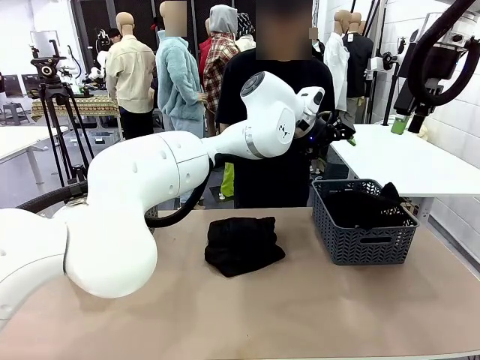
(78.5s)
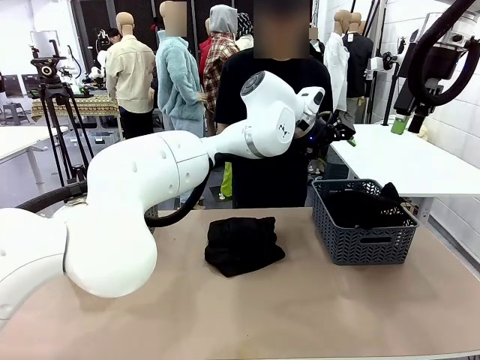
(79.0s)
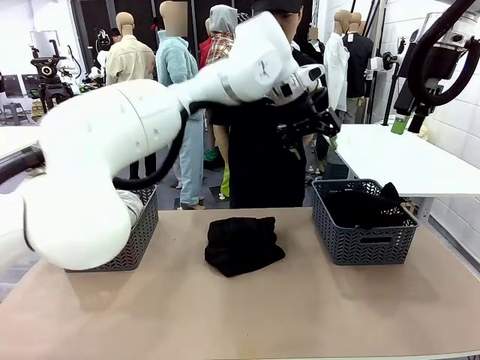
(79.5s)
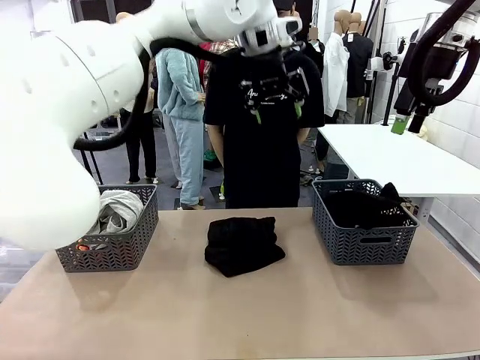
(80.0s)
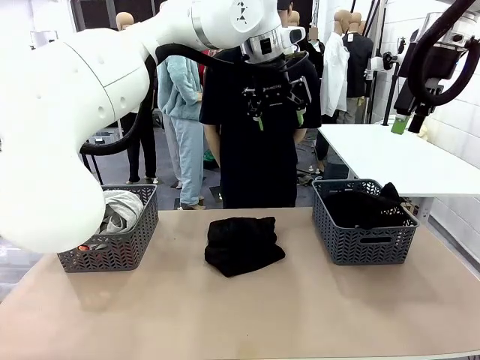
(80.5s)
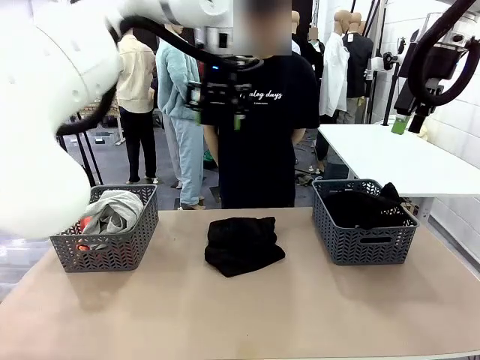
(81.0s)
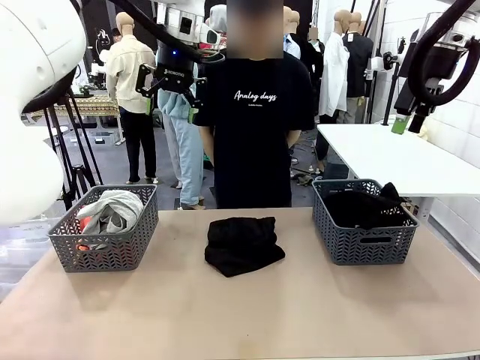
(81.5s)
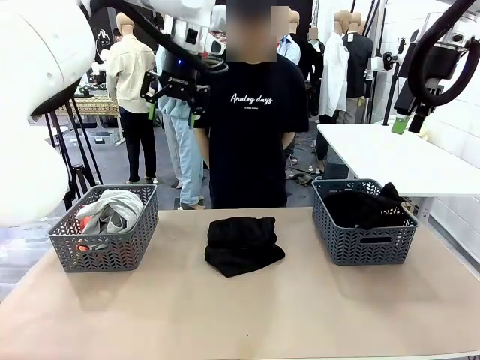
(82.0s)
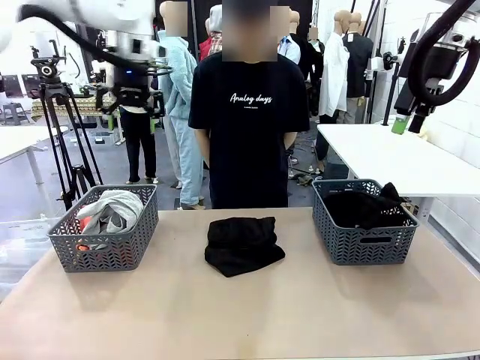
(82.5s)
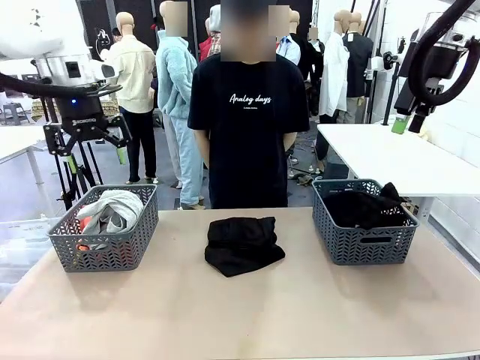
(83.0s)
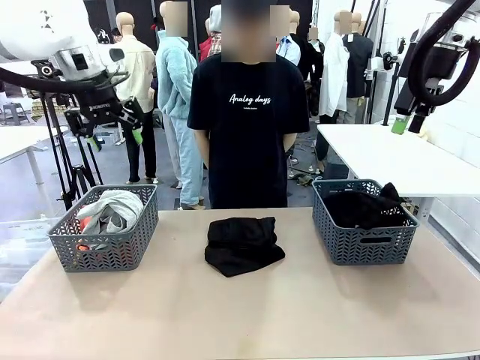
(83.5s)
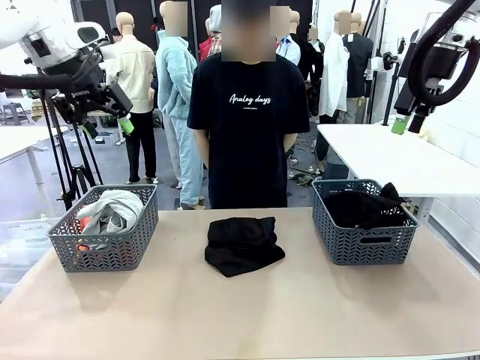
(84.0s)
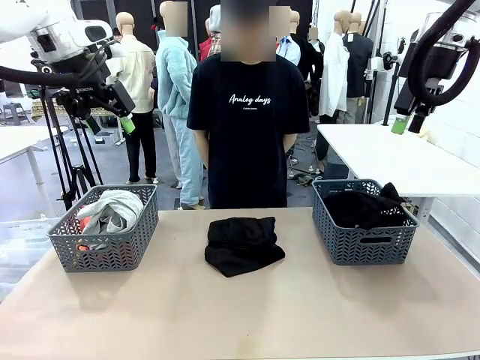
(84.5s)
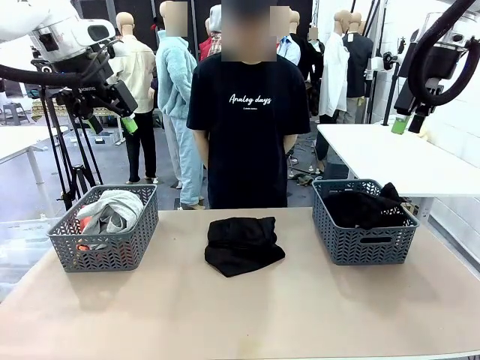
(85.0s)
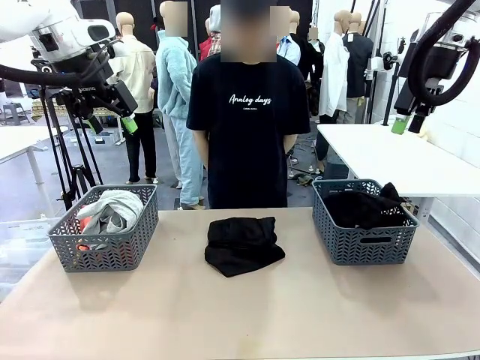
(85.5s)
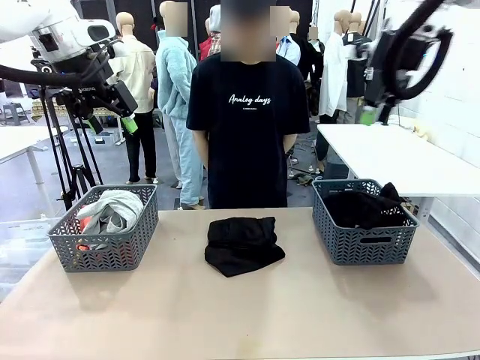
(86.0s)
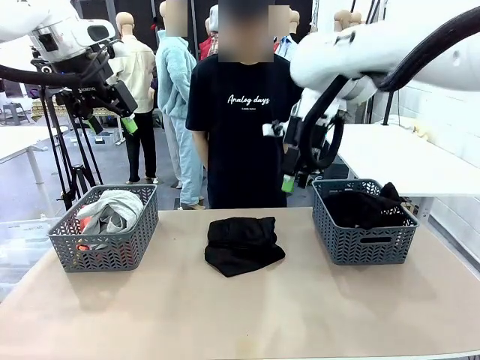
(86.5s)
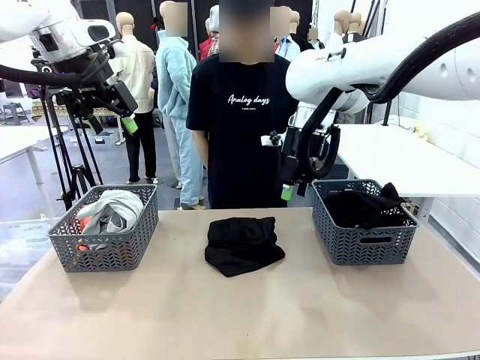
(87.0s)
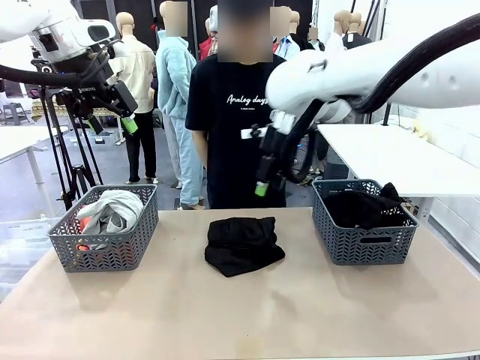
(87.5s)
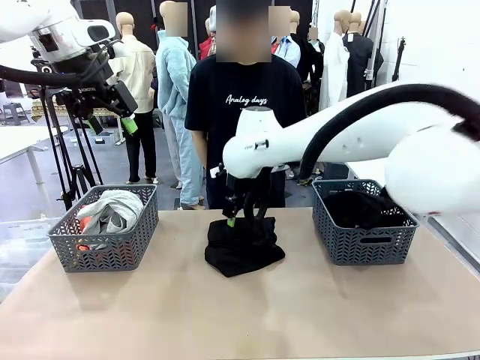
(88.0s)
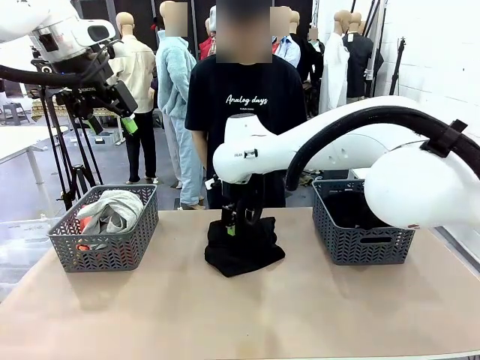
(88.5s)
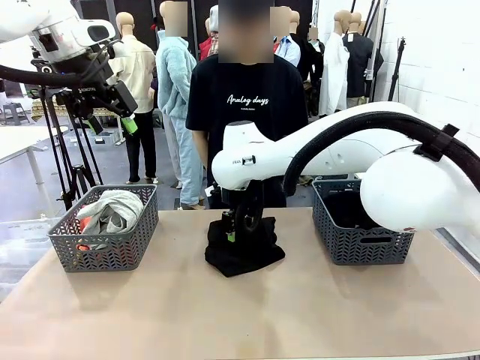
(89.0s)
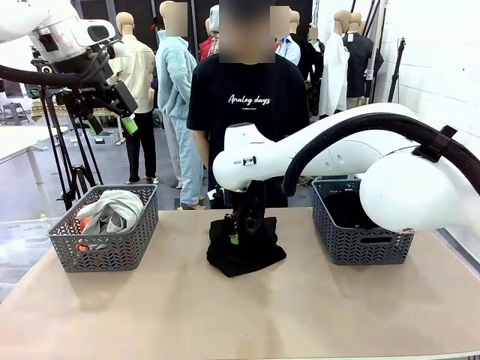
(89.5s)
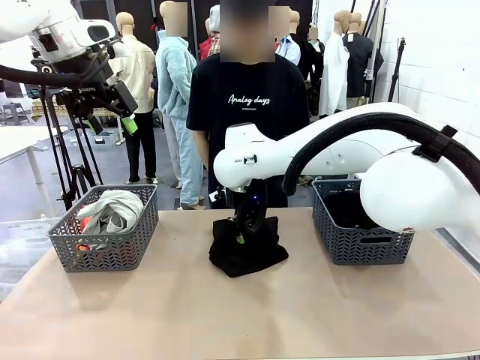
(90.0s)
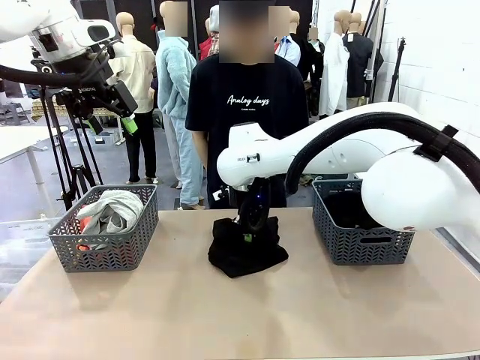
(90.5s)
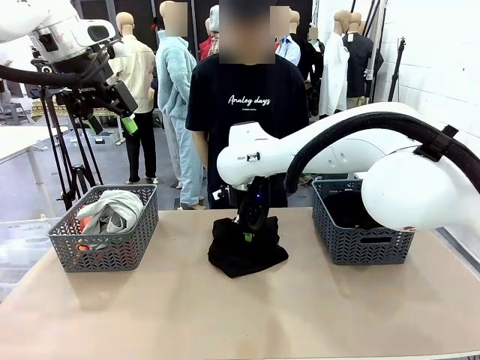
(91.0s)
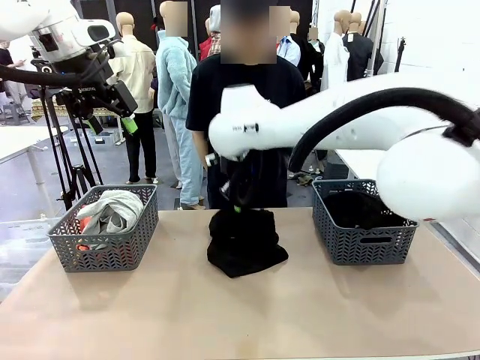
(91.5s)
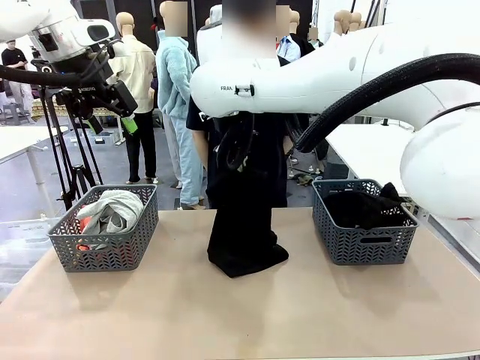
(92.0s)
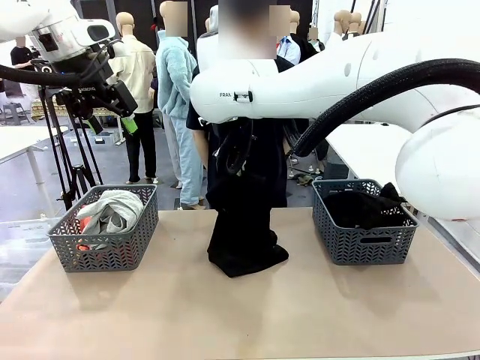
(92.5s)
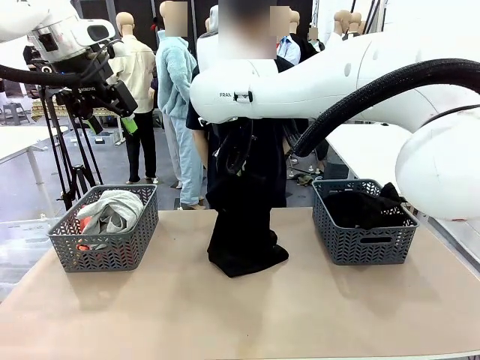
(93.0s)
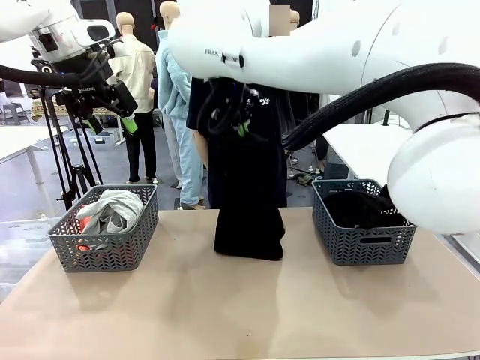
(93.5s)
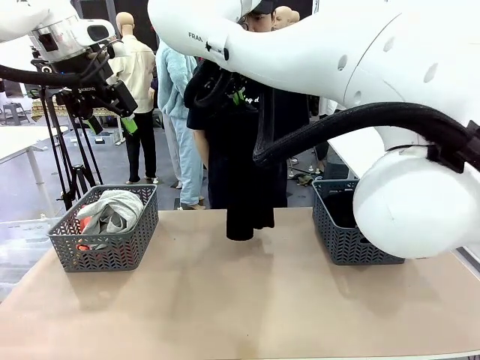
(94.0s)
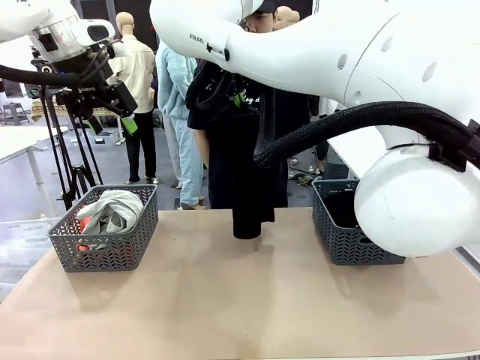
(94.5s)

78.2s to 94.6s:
Task: Sort the tops and bottoms.
Robot: Lift clothes from the center of the table with your right hand.

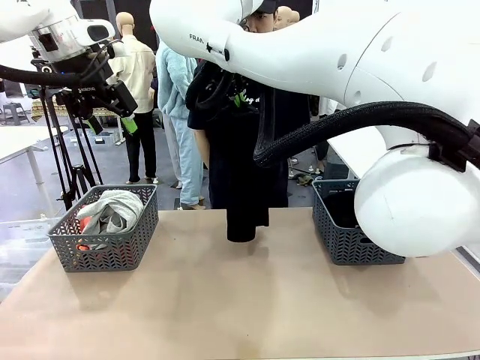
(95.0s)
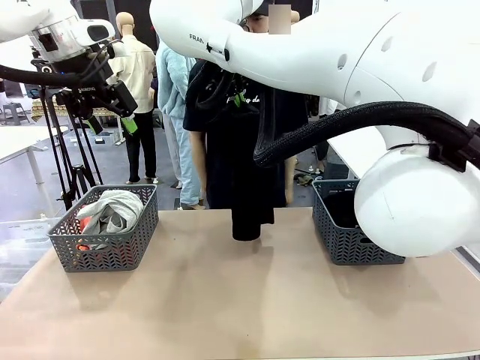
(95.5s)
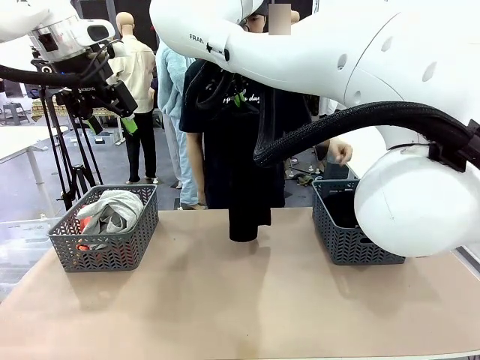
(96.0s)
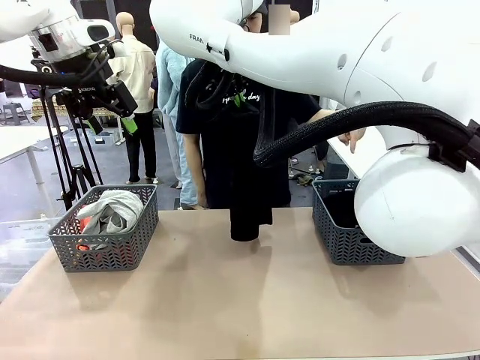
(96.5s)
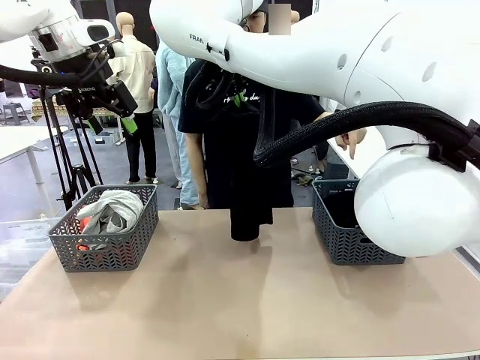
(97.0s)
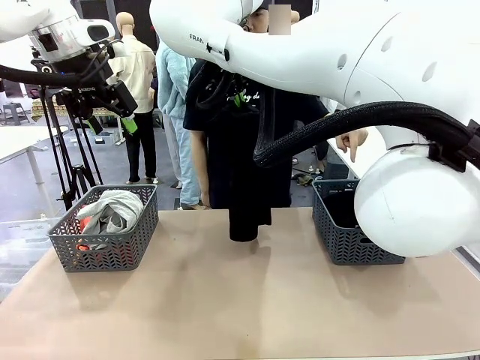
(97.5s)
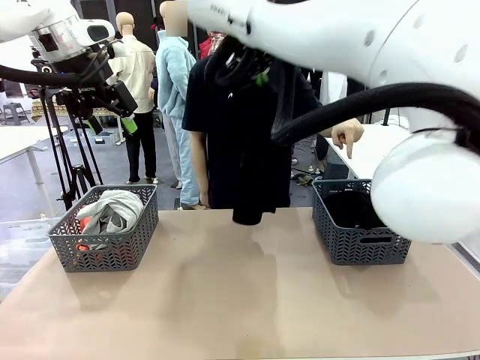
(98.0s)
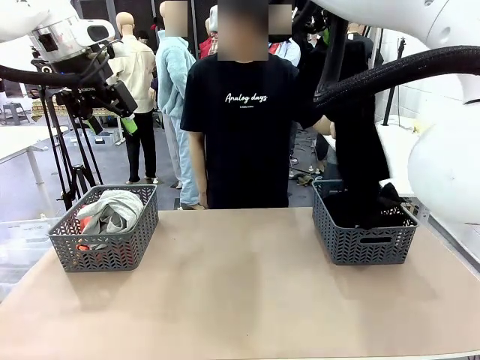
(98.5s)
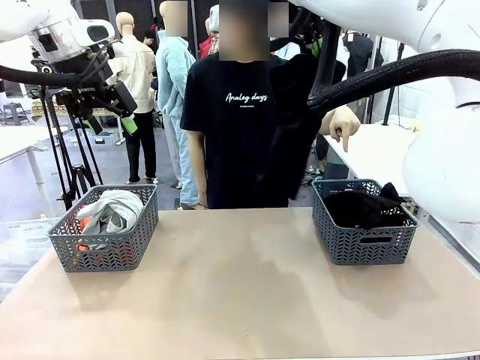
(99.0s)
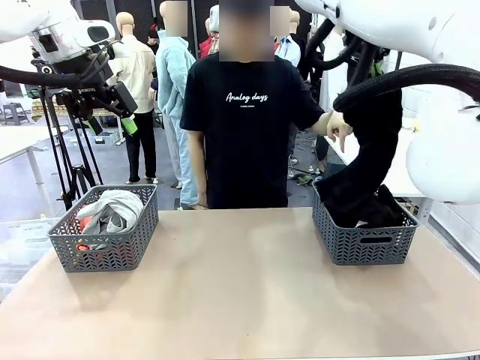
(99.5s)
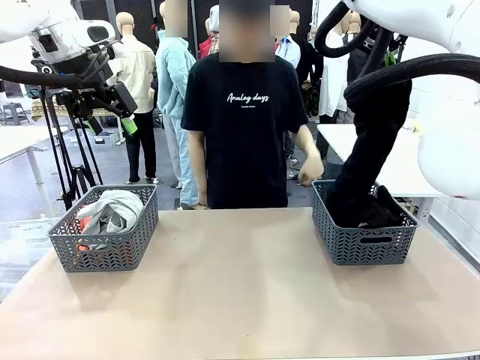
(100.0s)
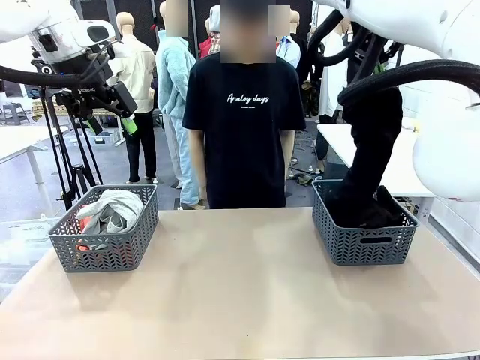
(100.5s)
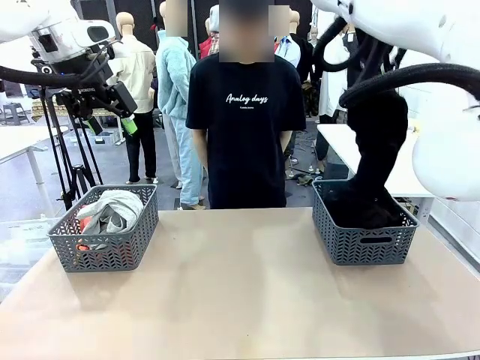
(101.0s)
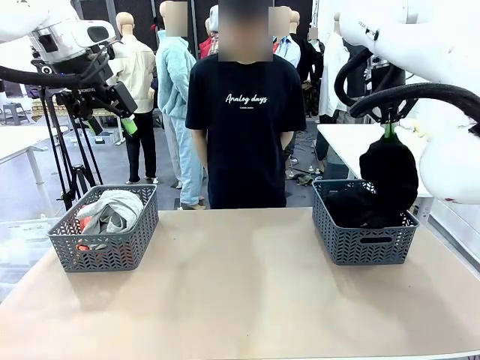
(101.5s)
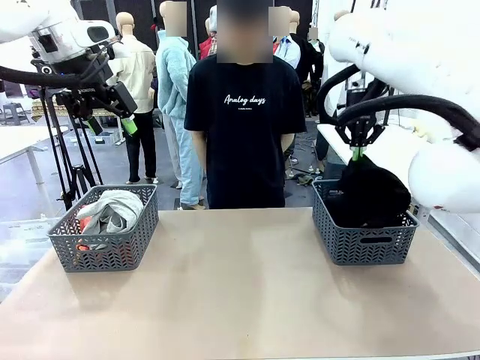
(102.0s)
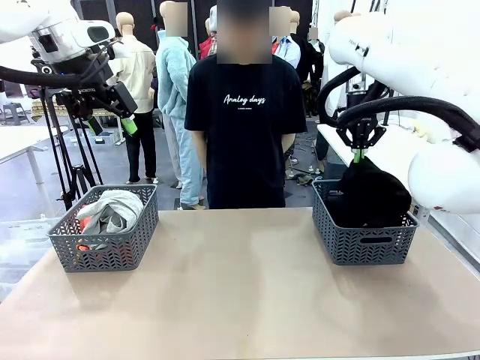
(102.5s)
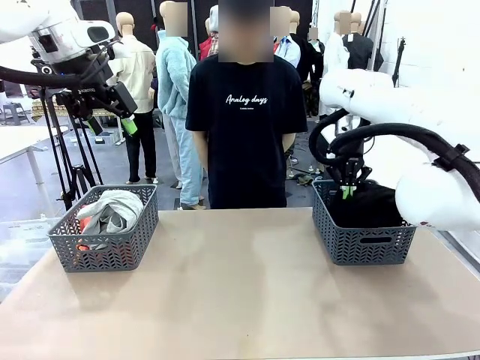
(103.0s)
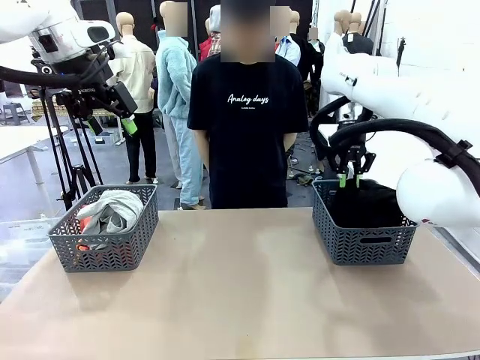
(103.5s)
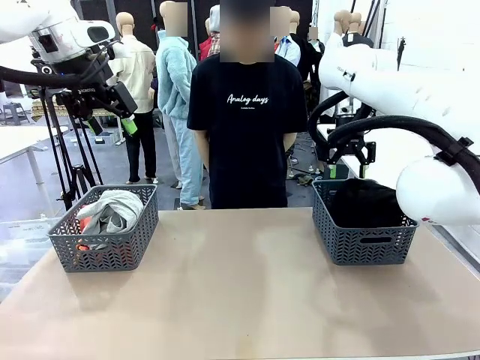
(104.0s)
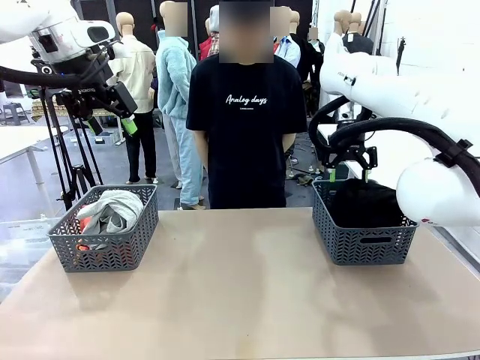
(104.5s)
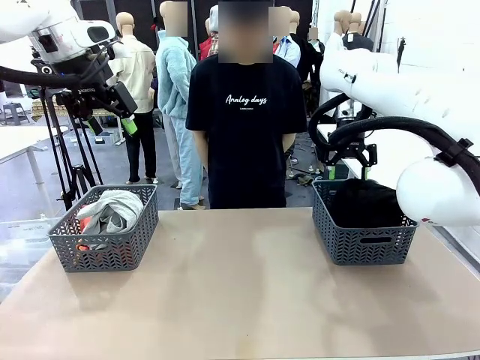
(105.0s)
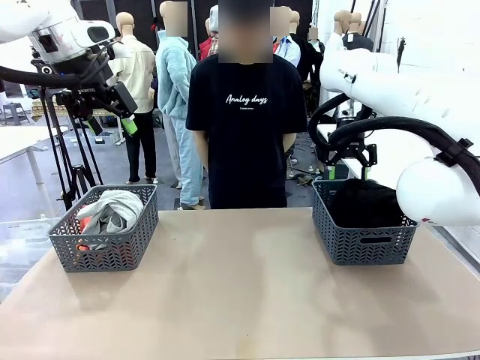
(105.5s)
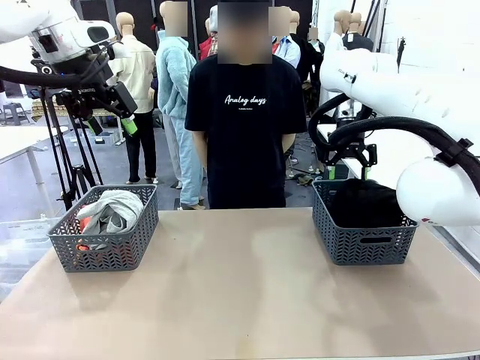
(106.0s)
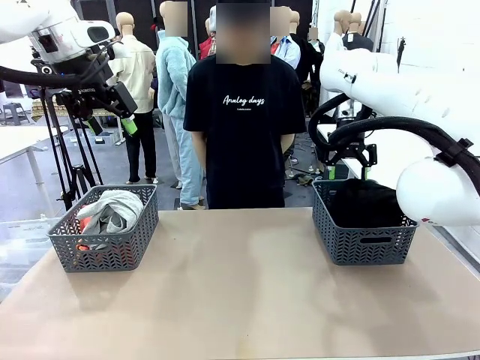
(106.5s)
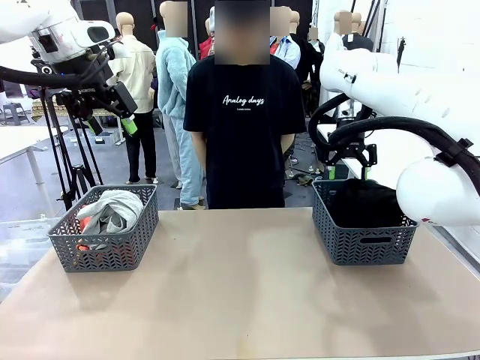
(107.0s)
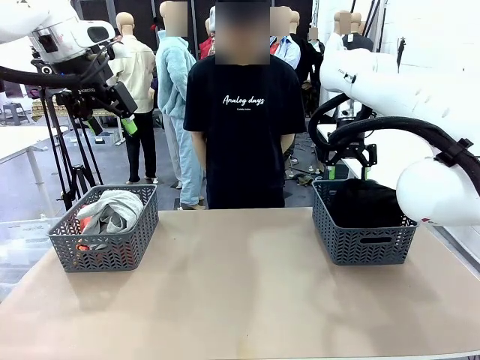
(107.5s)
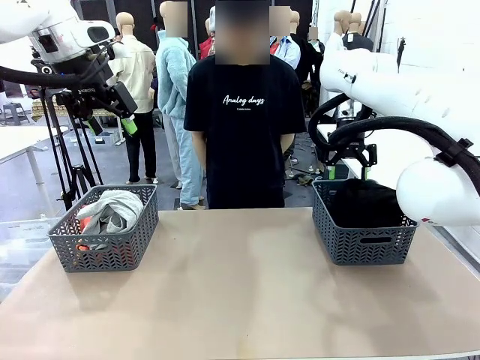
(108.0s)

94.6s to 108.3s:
Robot: Sort the clothes according to human instructions.
